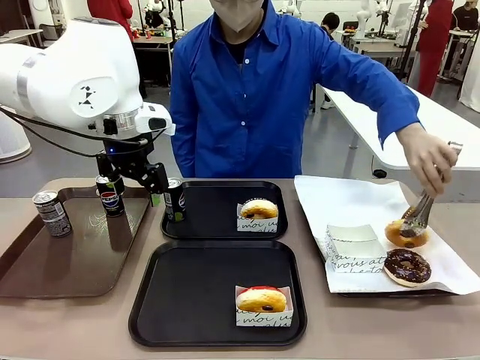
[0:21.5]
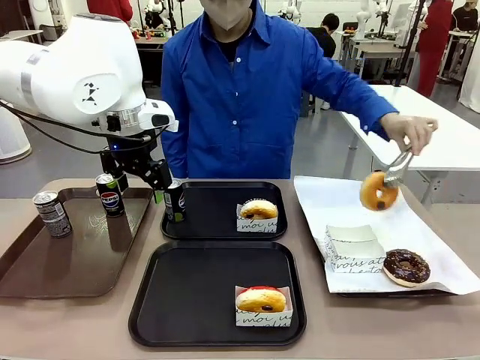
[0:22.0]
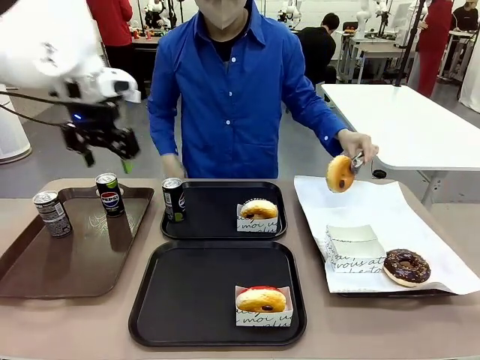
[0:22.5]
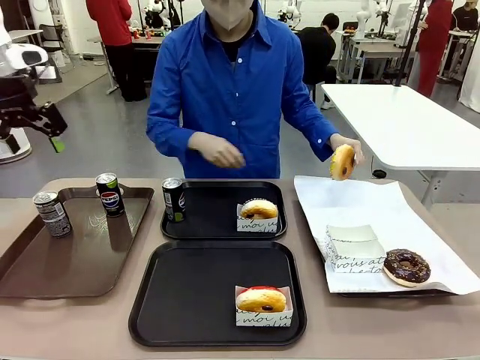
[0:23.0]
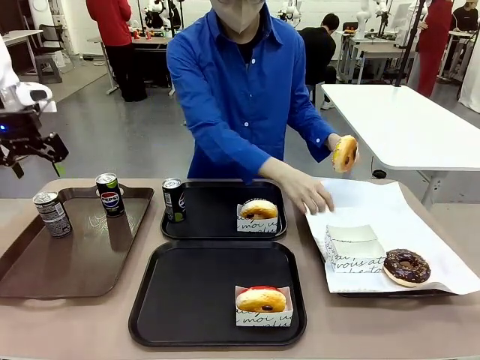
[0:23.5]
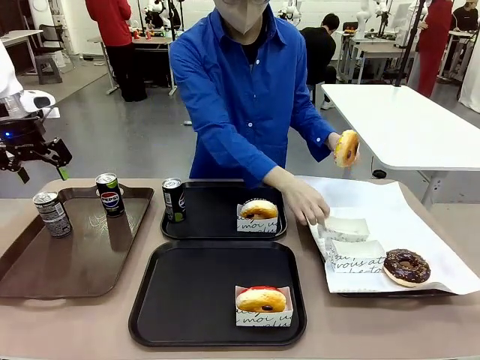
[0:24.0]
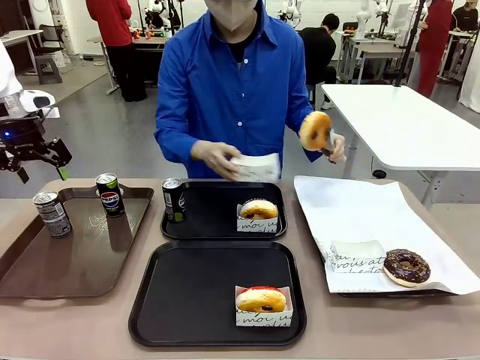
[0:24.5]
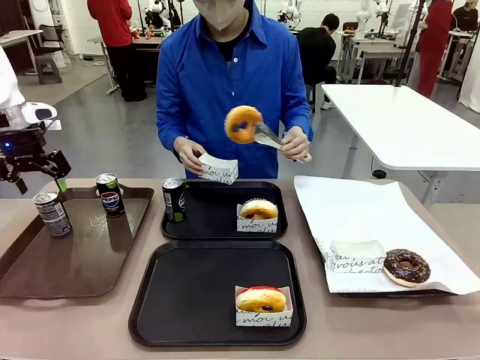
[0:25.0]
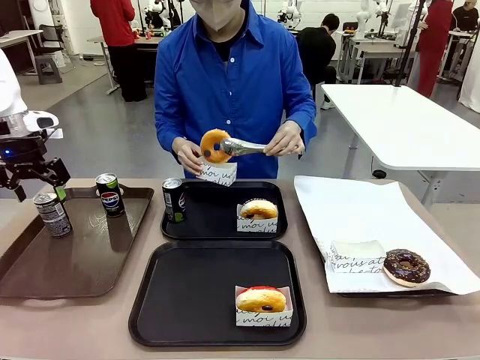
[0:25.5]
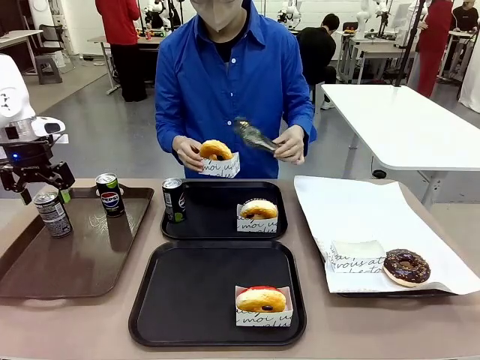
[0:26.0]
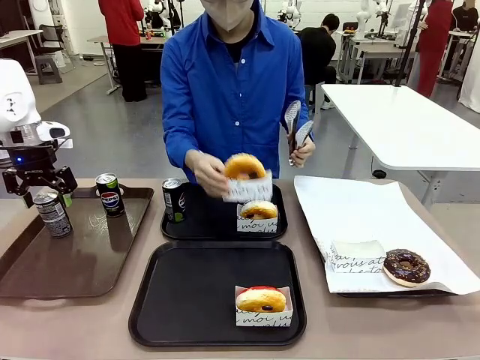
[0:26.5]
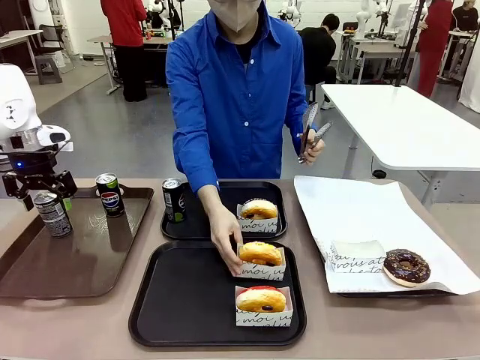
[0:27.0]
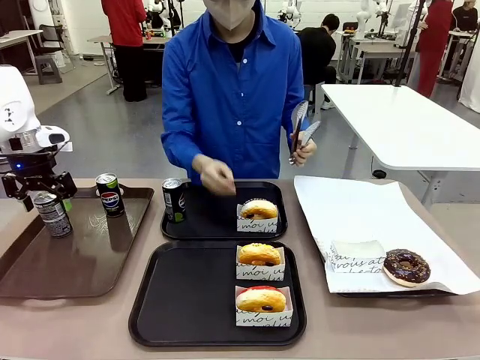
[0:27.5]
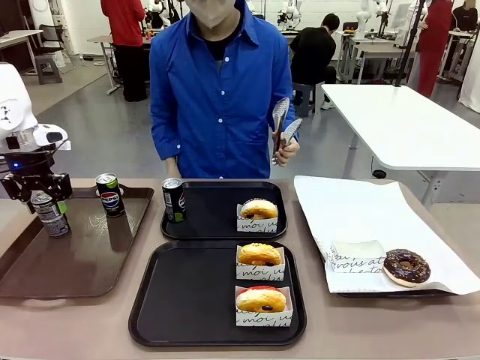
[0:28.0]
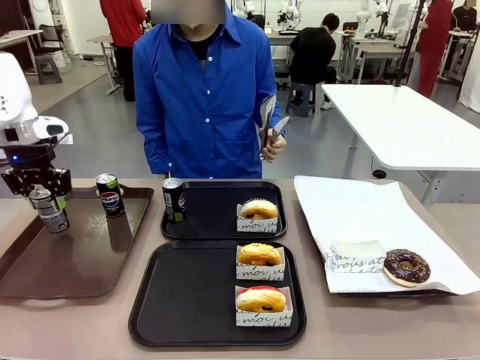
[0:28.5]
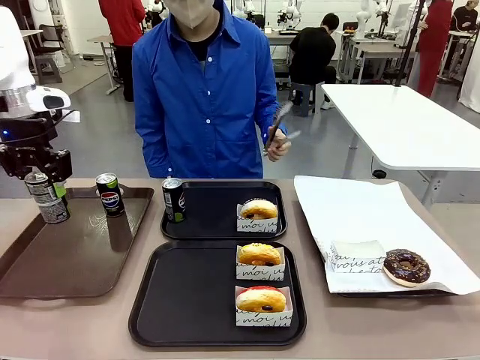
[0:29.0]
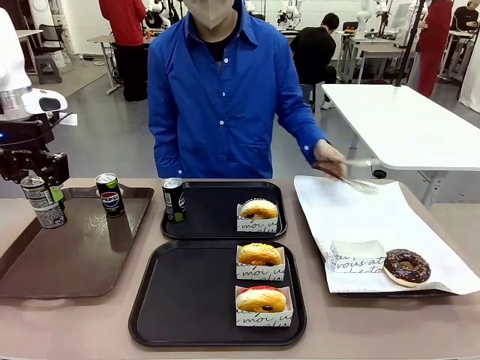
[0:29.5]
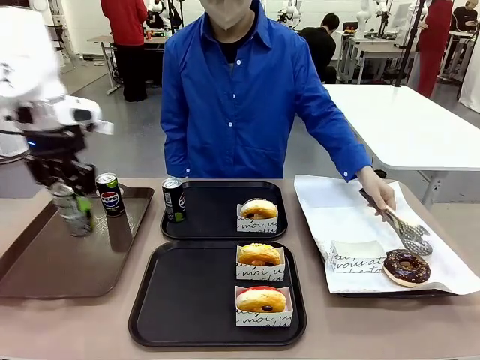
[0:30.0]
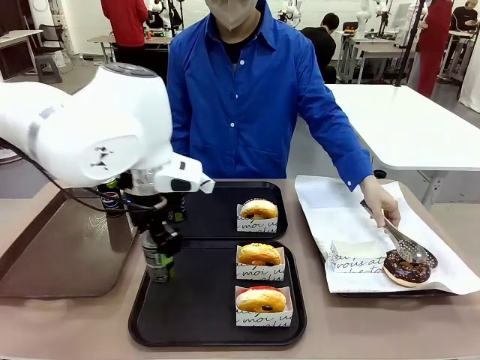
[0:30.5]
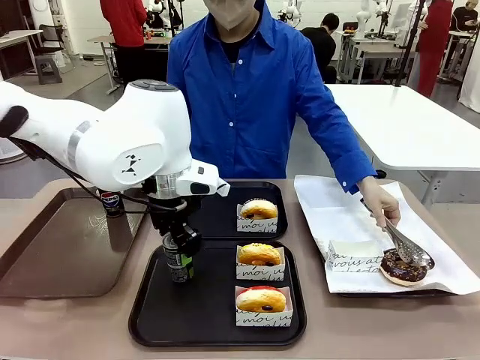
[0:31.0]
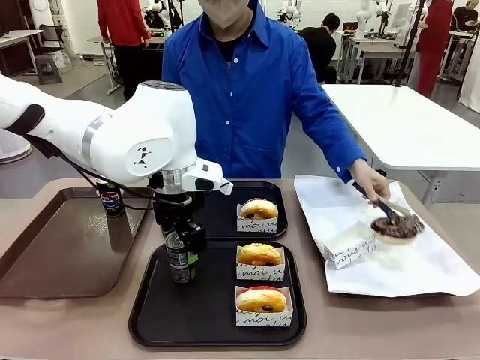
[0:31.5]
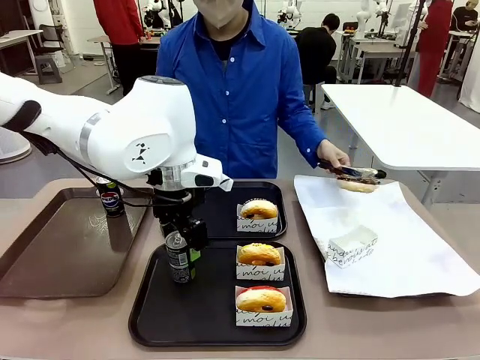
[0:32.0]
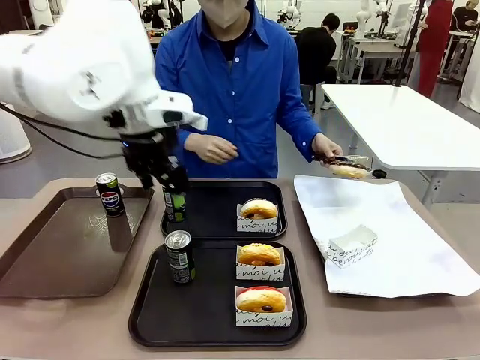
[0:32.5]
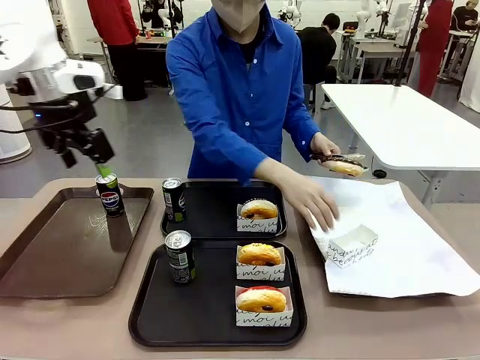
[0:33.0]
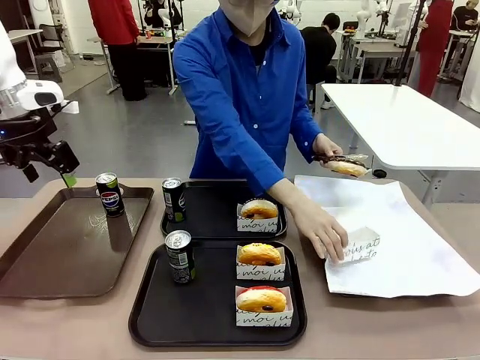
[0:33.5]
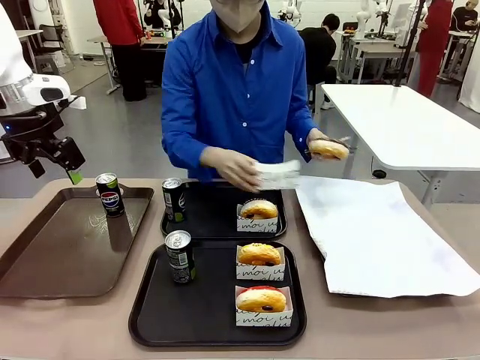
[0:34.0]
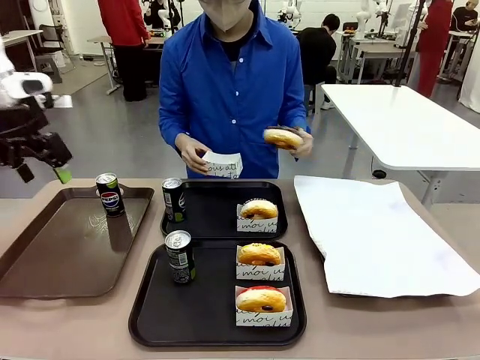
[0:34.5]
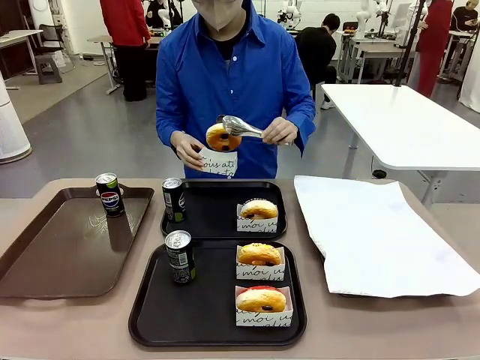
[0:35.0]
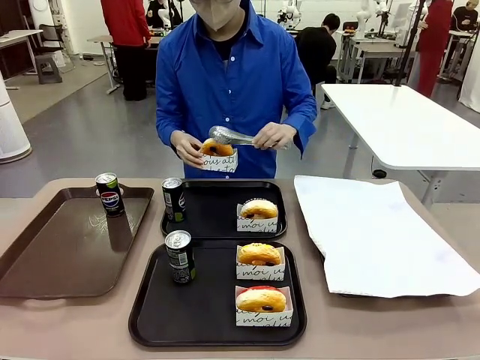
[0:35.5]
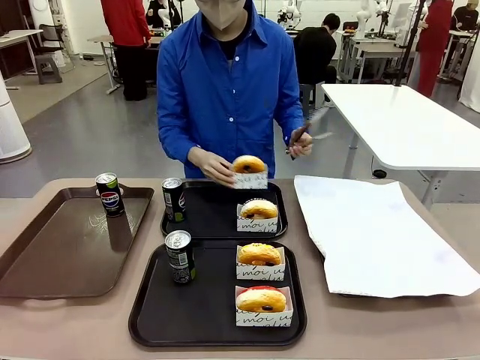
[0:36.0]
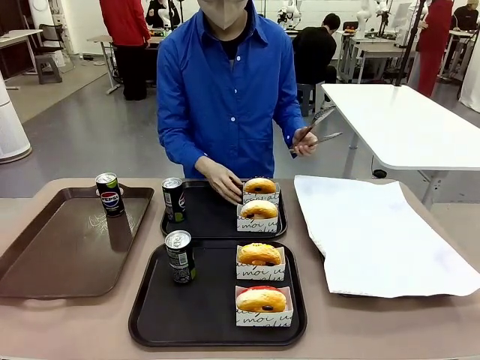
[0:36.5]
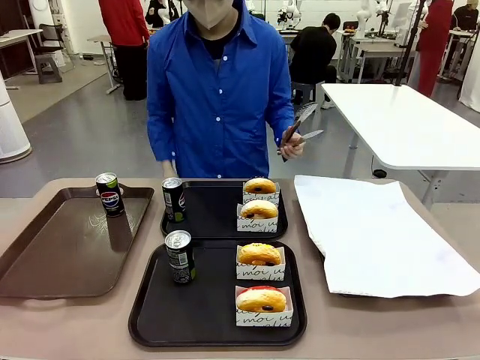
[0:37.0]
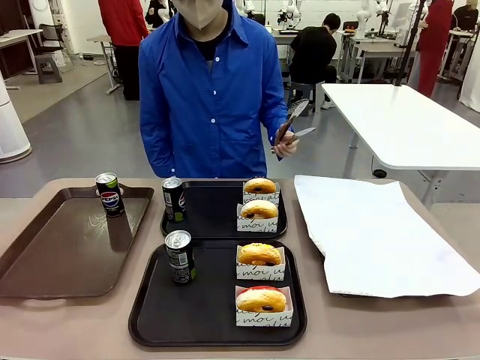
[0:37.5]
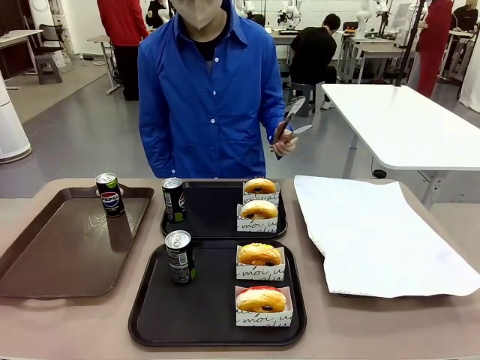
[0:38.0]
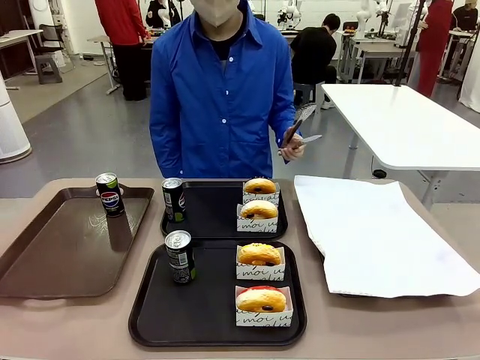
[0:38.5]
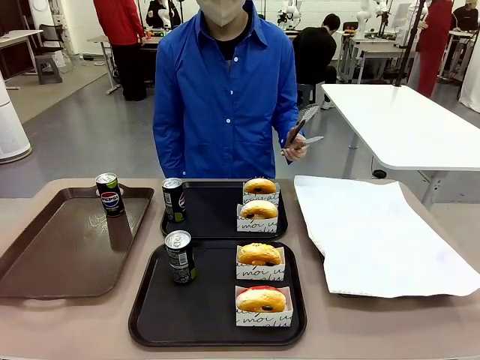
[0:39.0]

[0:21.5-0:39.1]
Task: Set up donuts and drinks on trays.
Robot: Pick up one Pepsi coke from the Handle tray and place it on the Flat Tray without a Pepsi coke.
